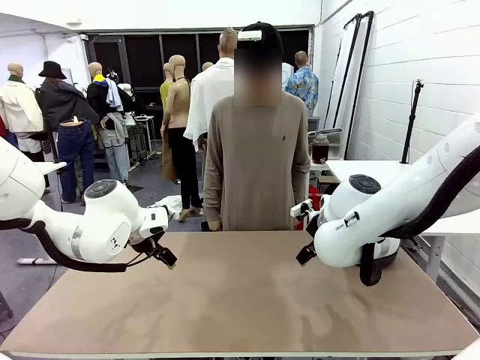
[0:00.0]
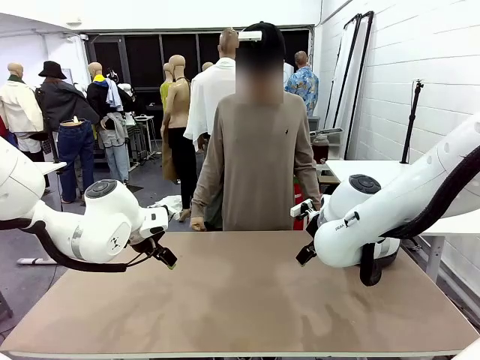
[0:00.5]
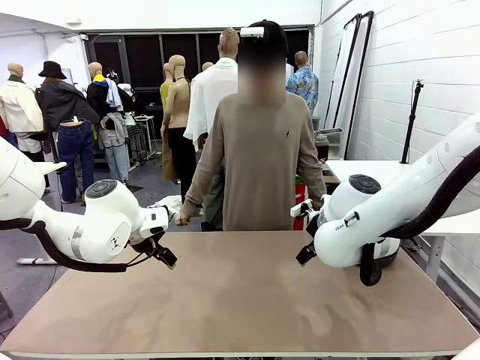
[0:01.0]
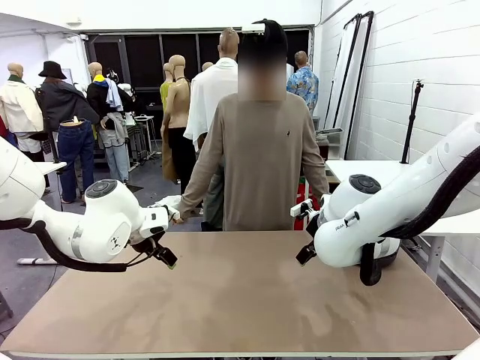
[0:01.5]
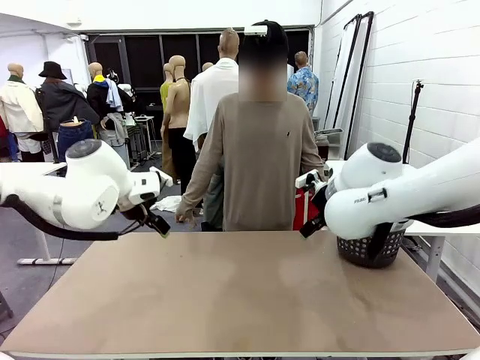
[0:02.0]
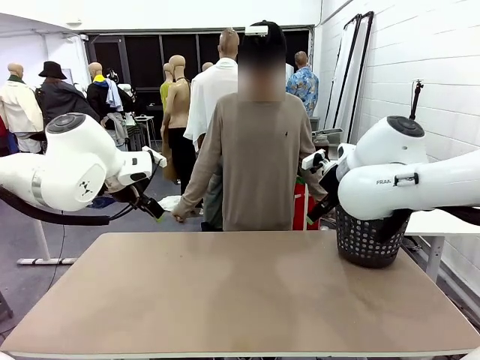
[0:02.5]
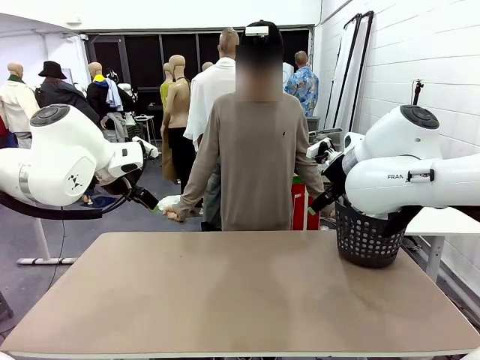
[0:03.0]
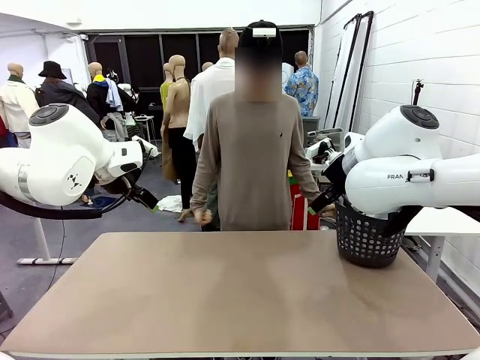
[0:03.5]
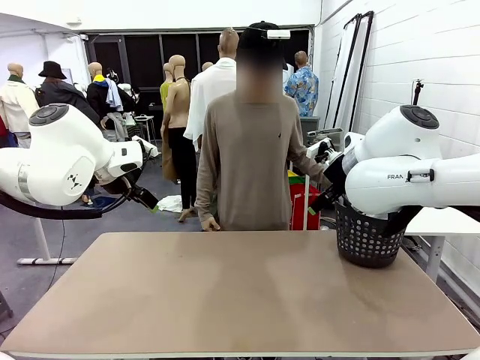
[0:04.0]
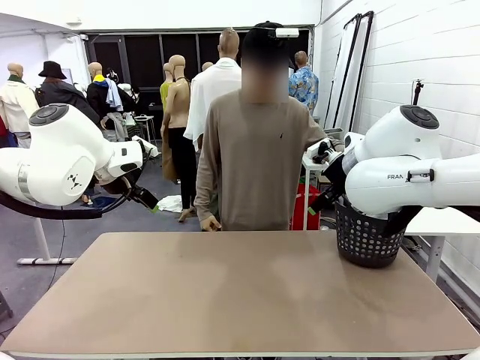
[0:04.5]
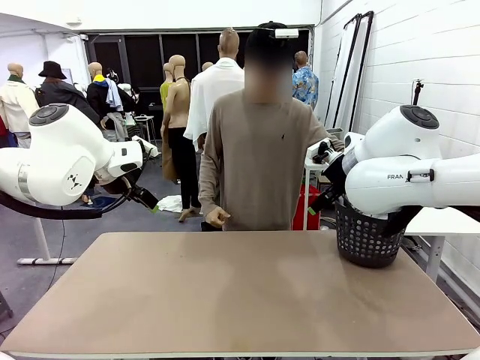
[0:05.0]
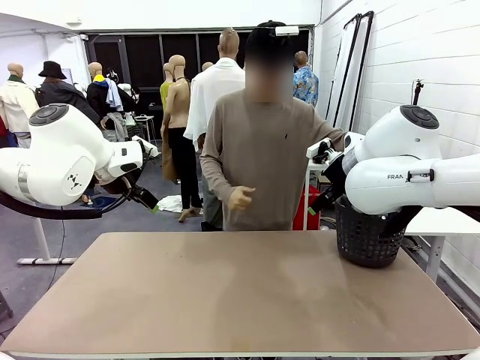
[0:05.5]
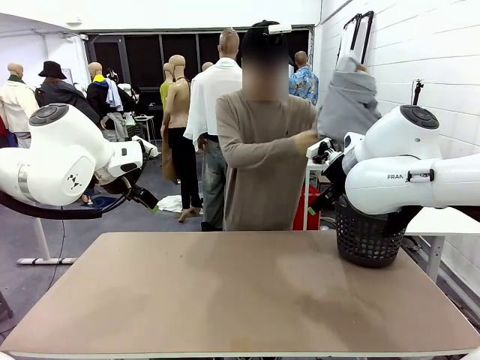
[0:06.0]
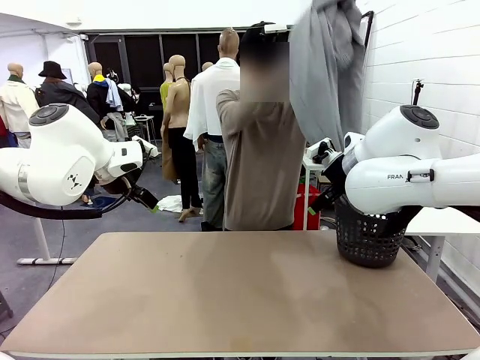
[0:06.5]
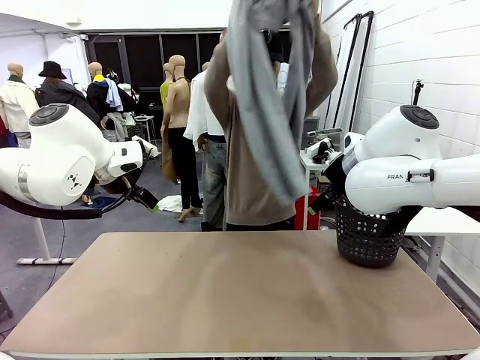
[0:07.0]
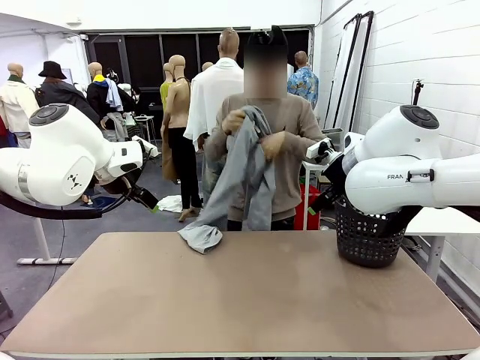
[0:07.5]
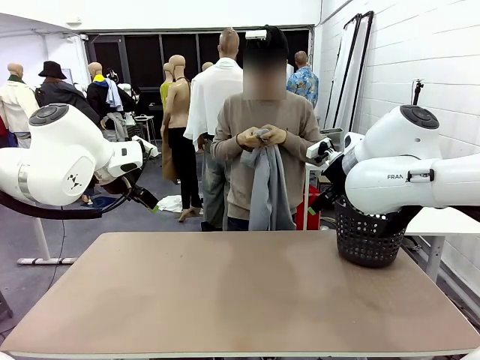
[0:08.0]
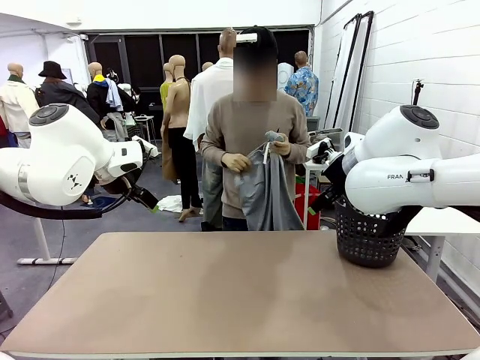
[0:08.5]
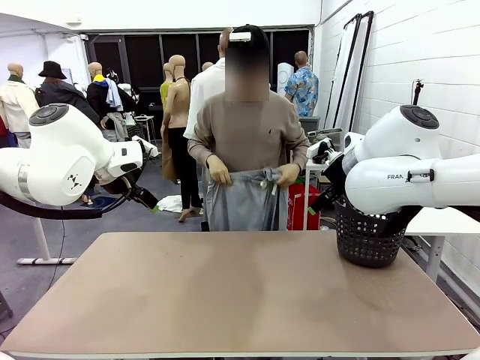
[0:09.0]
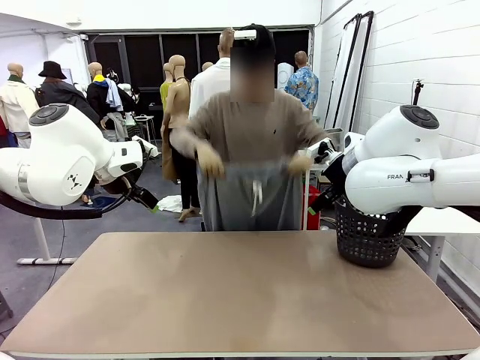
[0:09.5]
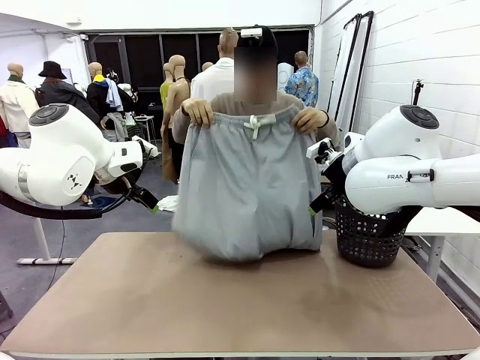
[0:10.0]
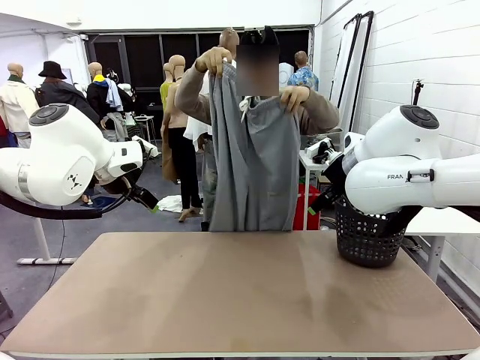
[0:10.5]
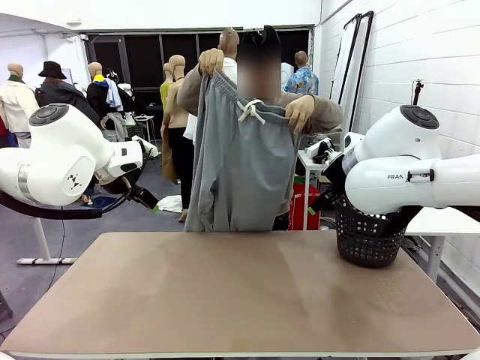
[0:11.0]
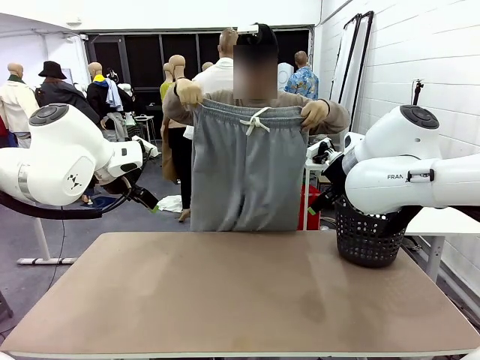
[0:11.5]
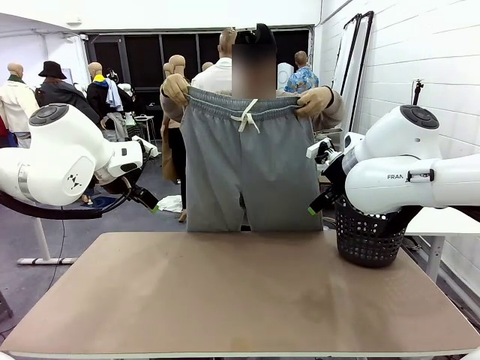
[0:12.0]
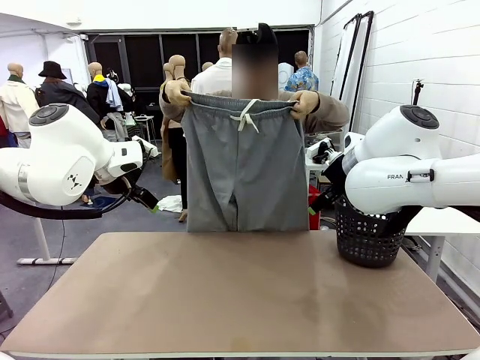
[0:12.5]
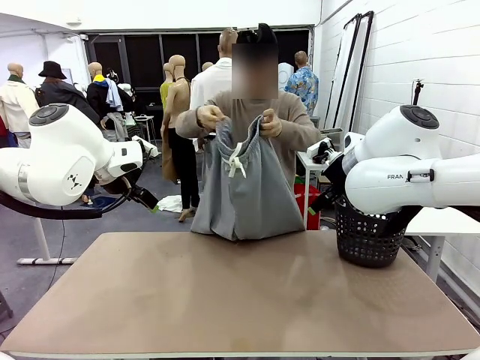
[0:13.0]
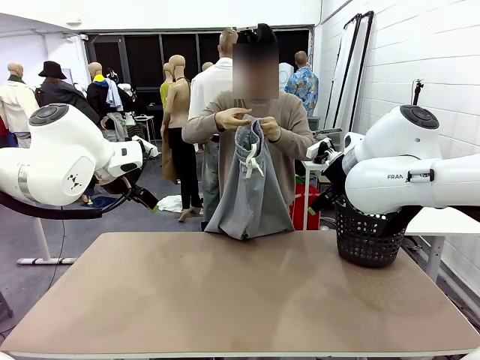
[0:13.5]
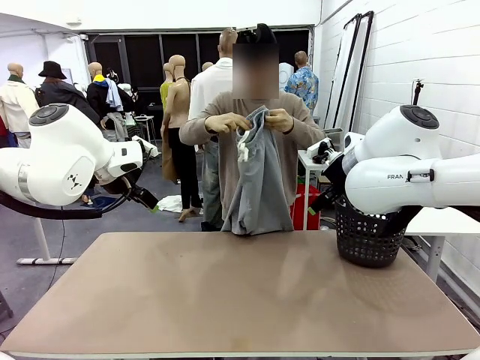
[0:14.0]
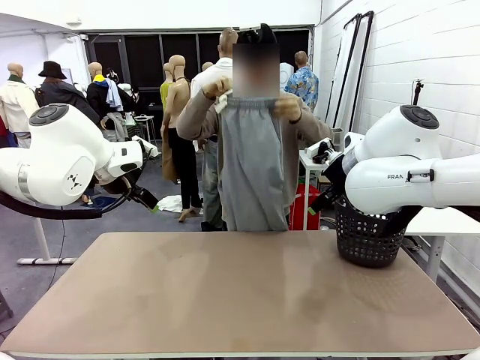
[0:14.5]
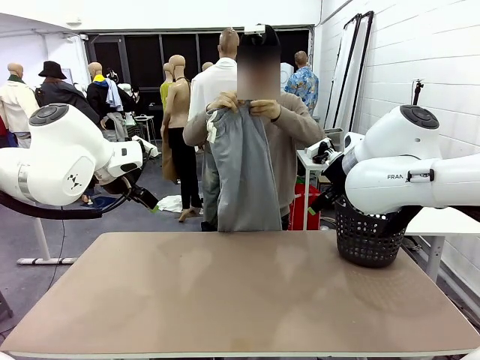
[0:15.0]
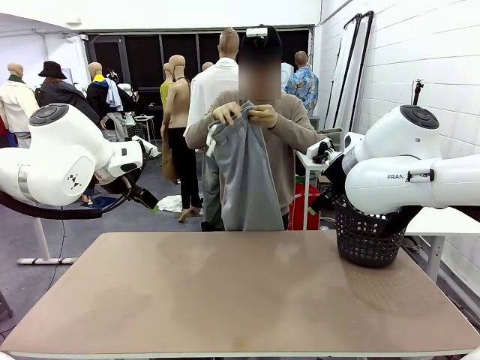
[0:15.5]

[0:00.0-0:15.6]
Task: Fold the training pants.
Robot: Grab both ends of the Training pants handed by a person.
Person: Take the long pants out of the laundry basket, unfold them, fold the waist in half, and extend them so the robot can pick up both corners.

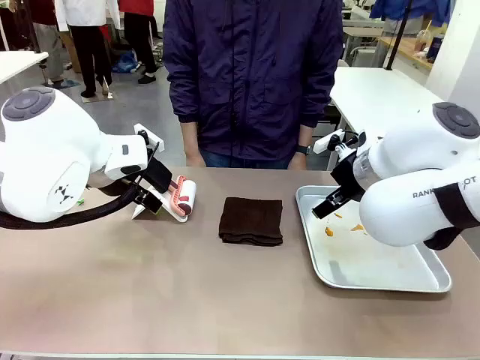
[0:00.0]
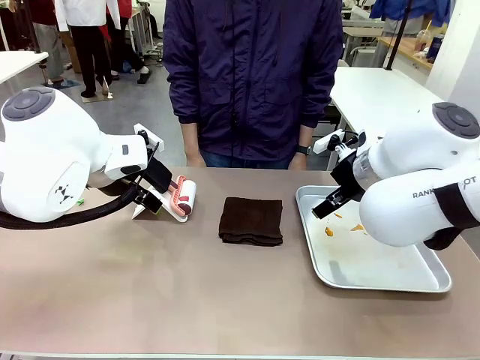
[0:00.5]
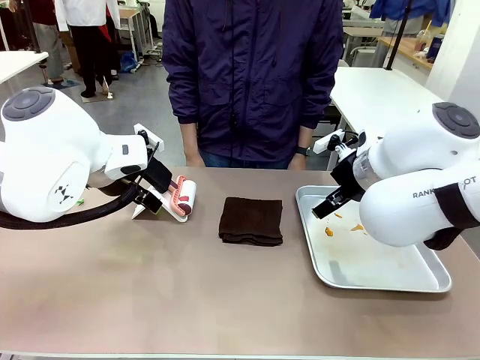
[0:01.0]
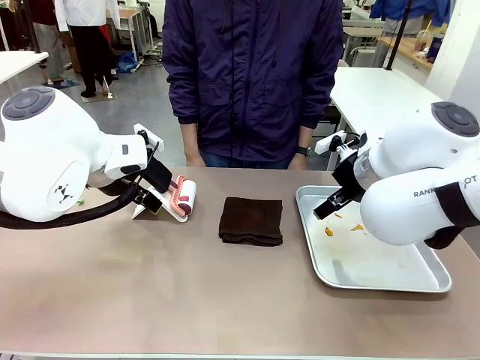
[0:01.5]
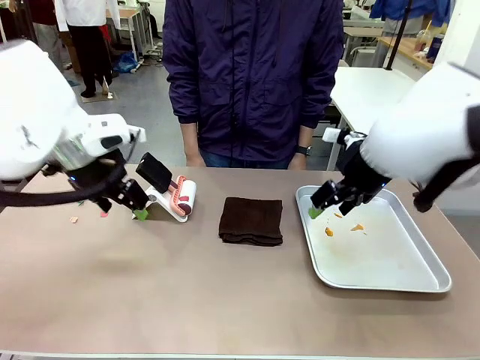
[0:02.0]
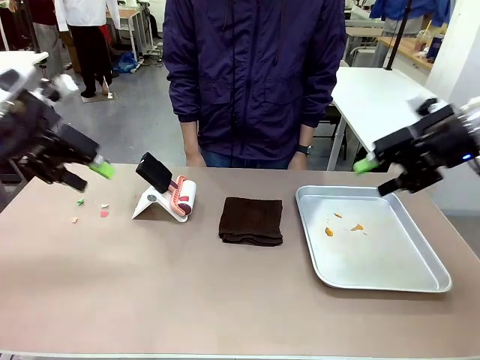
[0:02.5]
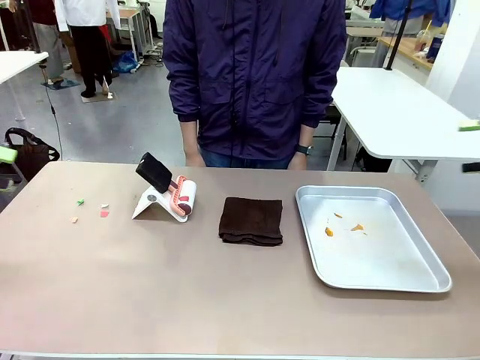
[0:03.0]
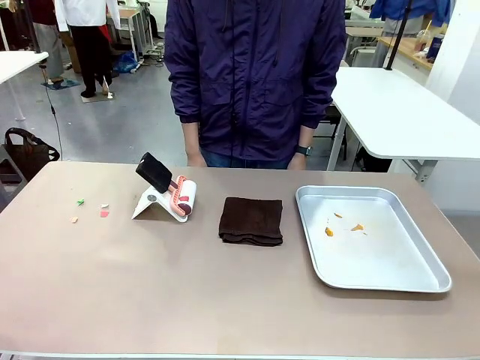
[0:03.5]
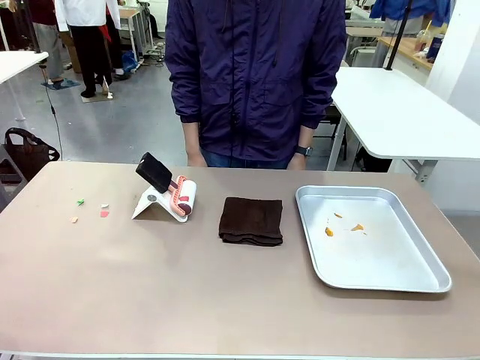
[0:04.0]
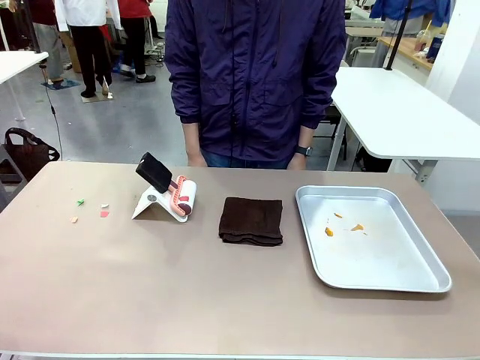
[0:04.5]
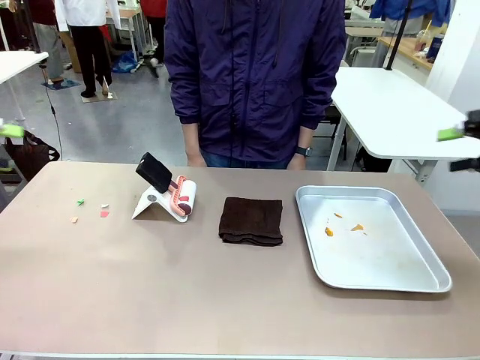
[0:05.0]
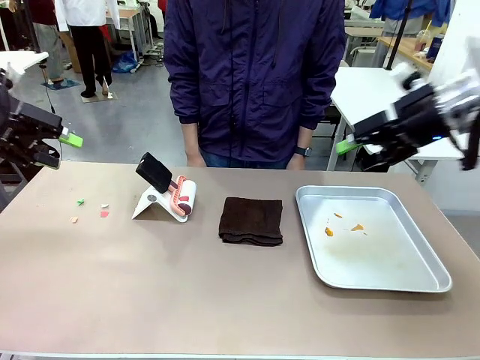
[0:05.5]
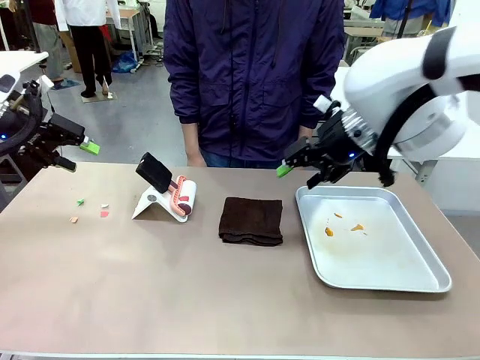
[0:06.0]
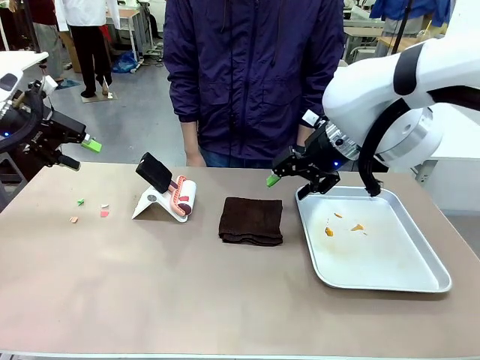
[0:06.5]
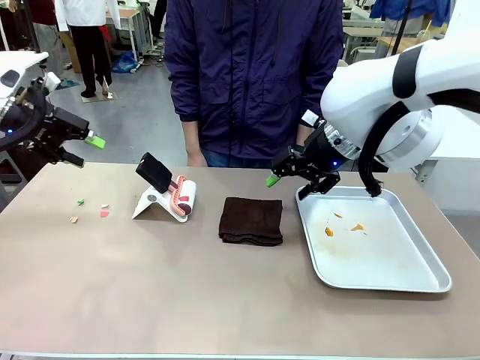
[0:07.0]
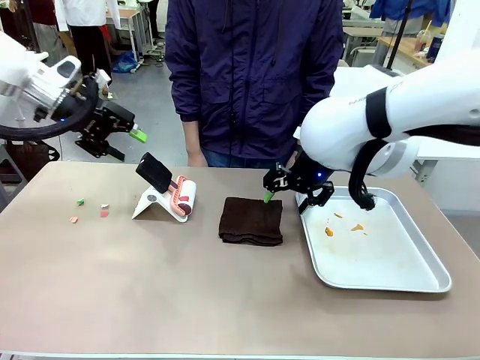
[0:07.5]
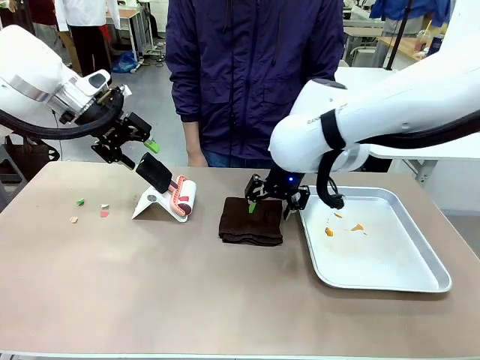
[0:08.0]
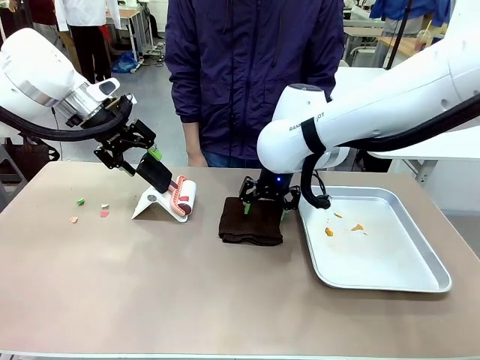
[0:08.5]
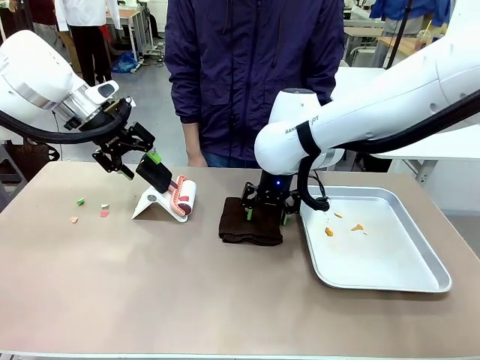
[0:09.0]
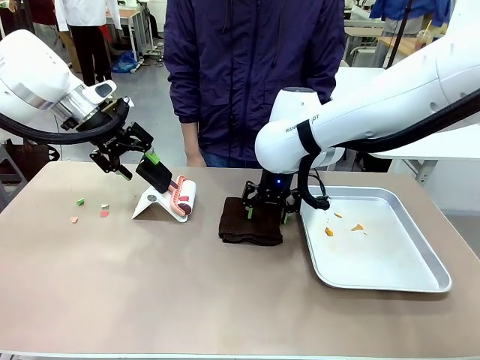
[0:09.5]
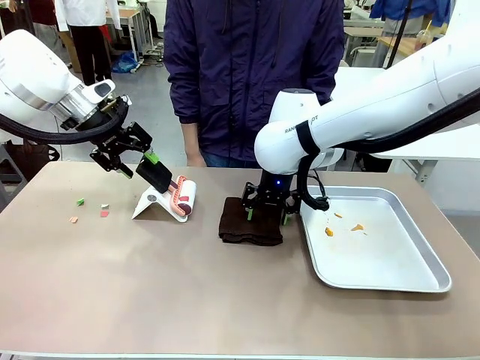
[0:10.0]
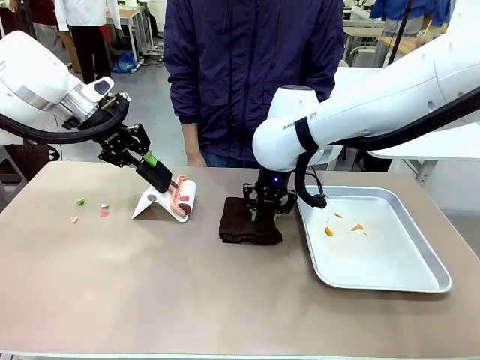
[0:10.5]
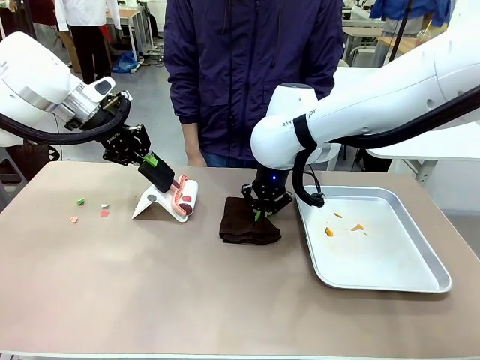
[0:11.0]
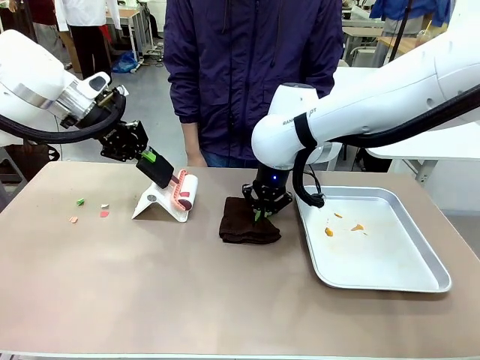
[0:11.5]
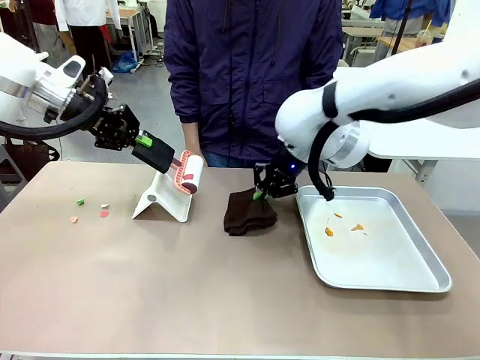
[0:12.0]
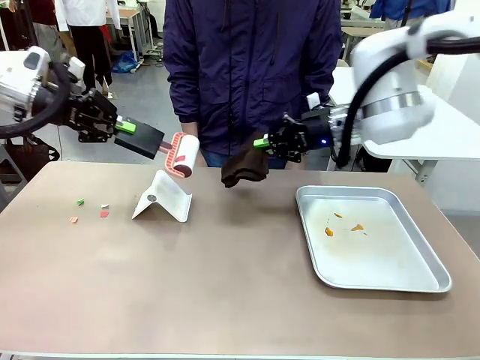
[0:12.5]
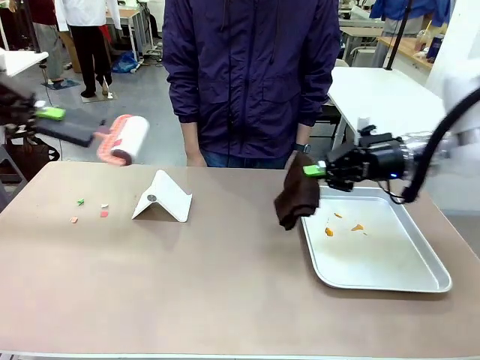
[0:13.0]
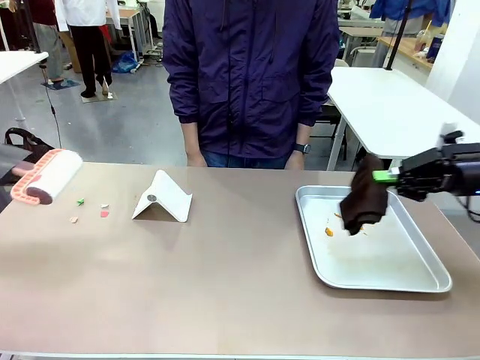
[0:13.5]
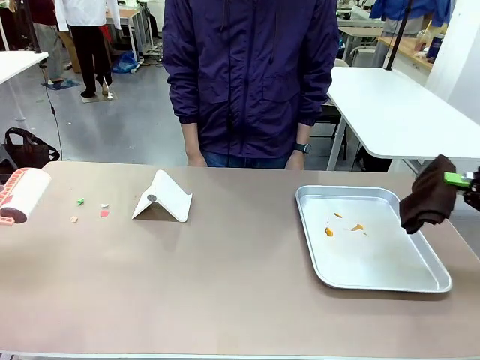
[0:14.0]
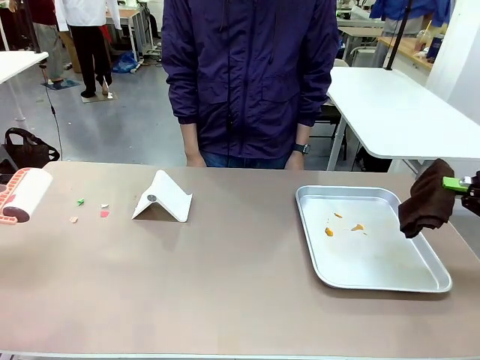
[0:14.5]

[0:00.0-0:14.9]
Task: Clean the surface of the table.
Robot: Hold the Lint Roller with your left hand and the towel with your right hand.
